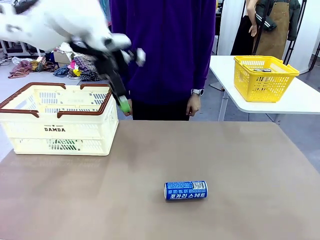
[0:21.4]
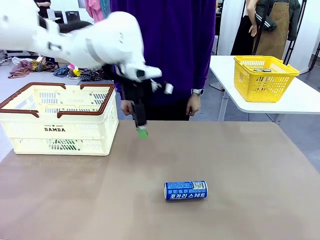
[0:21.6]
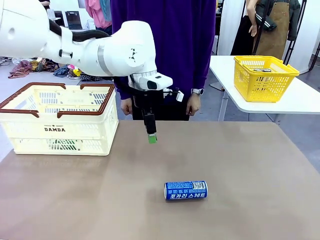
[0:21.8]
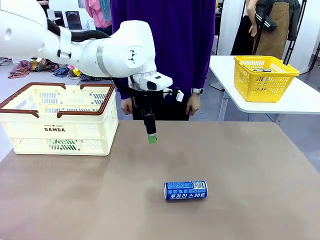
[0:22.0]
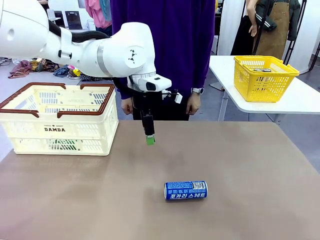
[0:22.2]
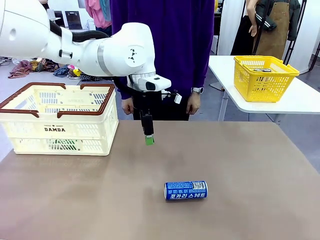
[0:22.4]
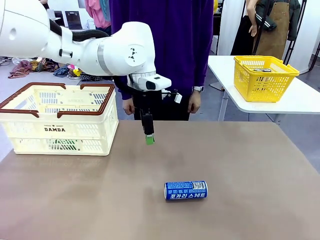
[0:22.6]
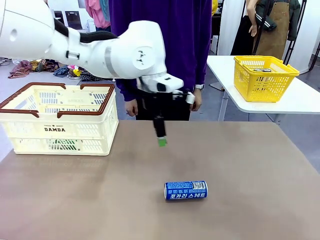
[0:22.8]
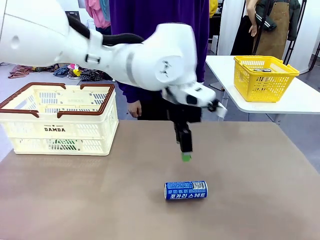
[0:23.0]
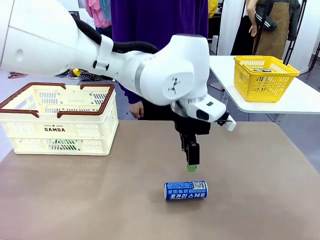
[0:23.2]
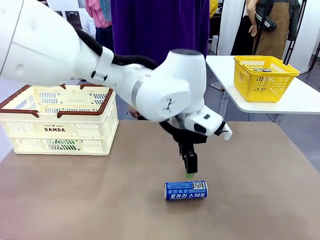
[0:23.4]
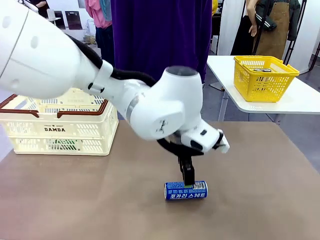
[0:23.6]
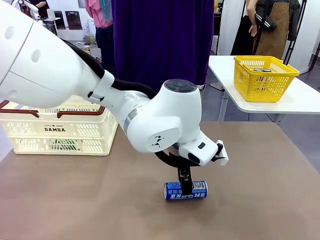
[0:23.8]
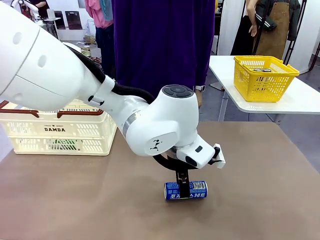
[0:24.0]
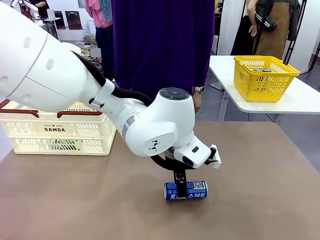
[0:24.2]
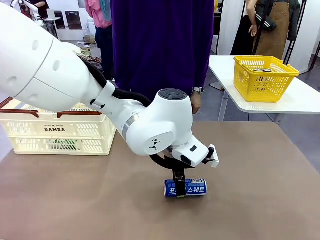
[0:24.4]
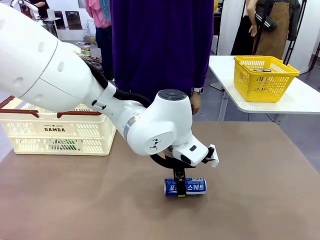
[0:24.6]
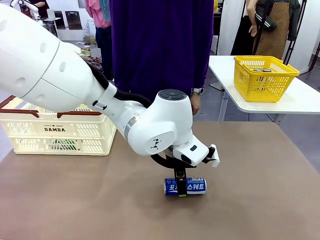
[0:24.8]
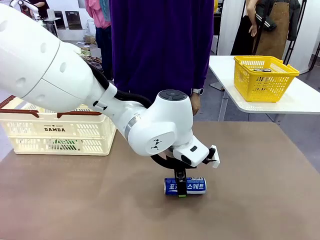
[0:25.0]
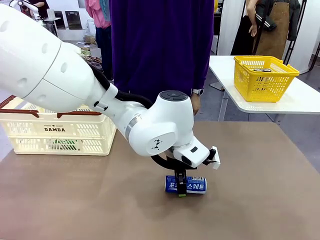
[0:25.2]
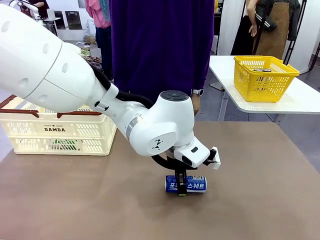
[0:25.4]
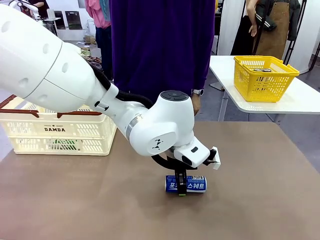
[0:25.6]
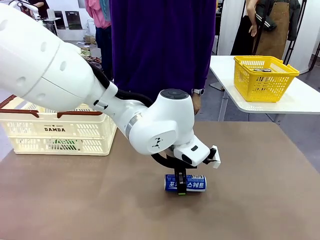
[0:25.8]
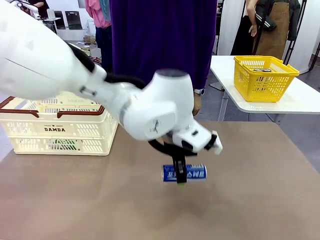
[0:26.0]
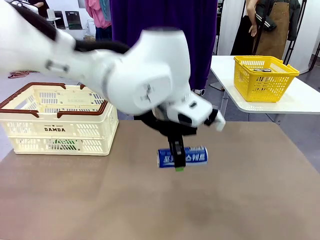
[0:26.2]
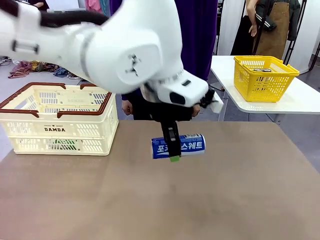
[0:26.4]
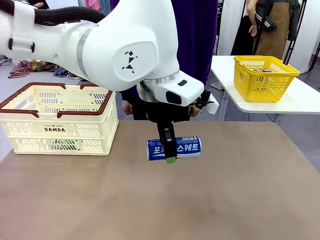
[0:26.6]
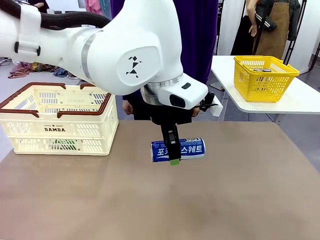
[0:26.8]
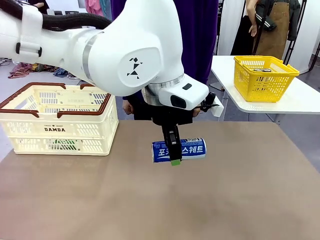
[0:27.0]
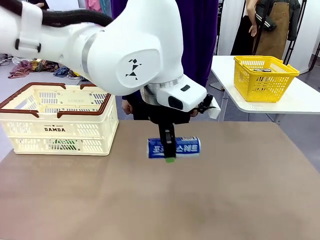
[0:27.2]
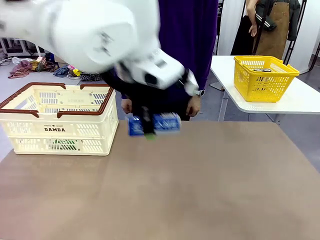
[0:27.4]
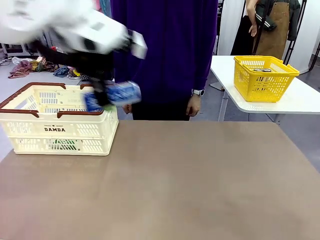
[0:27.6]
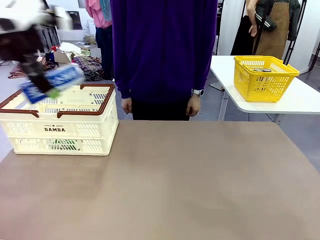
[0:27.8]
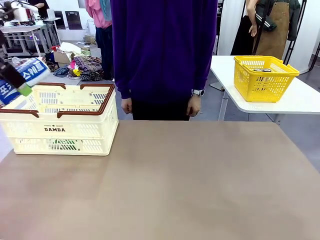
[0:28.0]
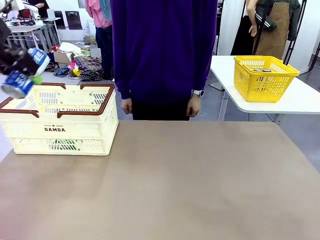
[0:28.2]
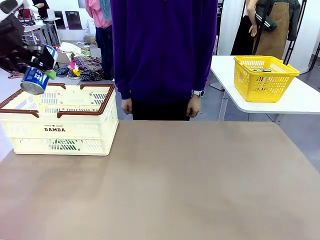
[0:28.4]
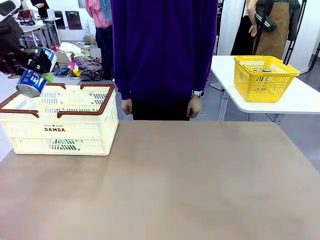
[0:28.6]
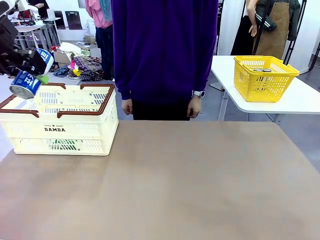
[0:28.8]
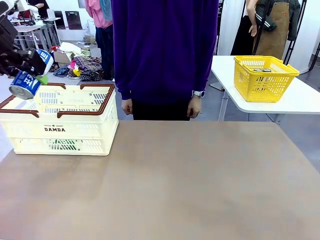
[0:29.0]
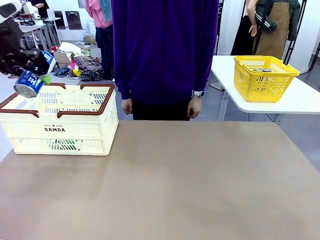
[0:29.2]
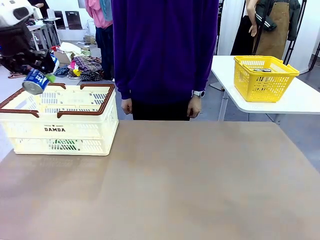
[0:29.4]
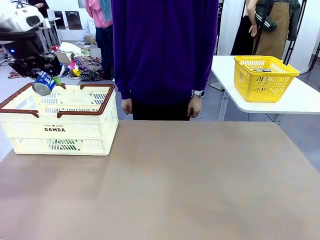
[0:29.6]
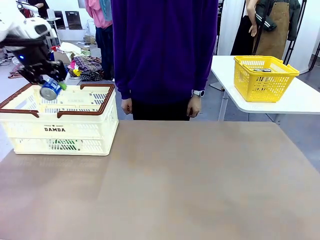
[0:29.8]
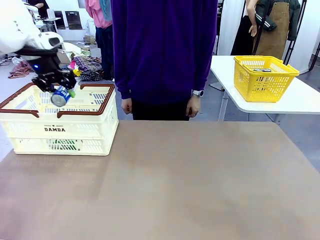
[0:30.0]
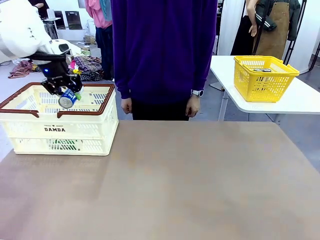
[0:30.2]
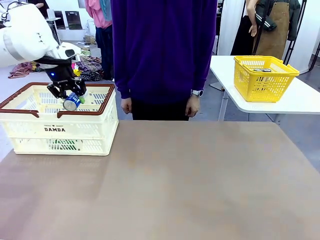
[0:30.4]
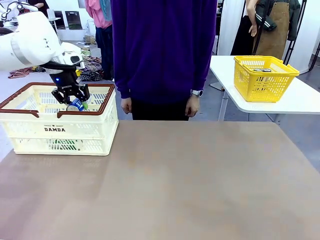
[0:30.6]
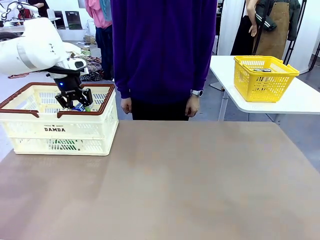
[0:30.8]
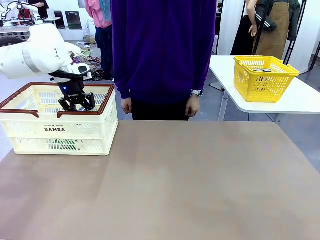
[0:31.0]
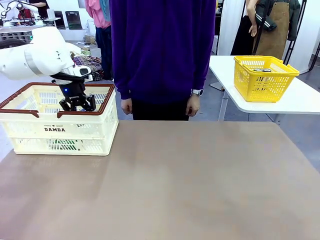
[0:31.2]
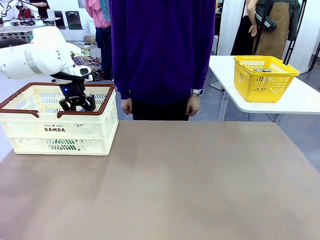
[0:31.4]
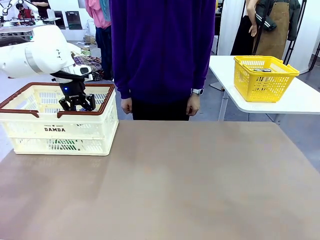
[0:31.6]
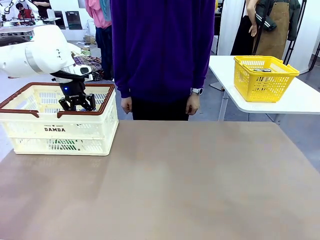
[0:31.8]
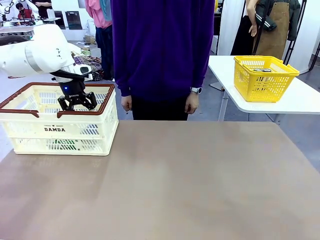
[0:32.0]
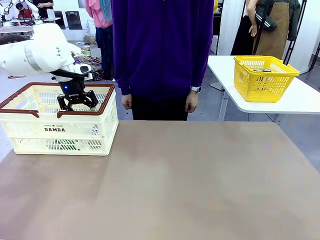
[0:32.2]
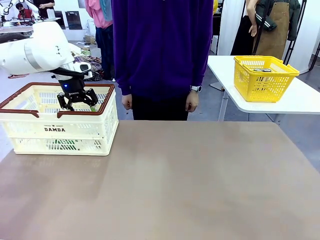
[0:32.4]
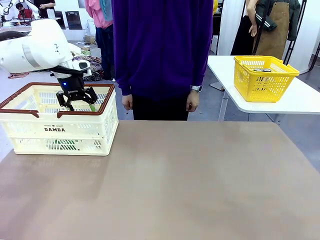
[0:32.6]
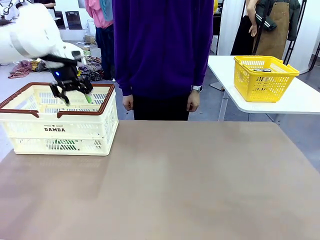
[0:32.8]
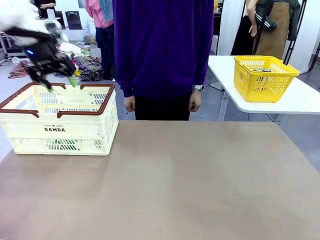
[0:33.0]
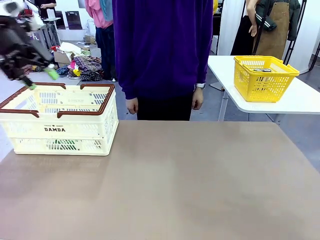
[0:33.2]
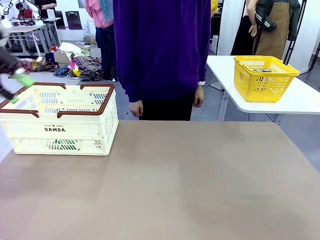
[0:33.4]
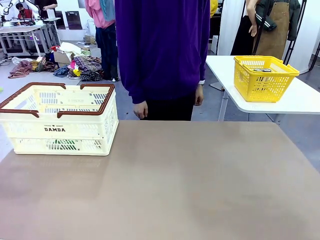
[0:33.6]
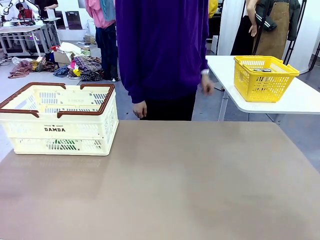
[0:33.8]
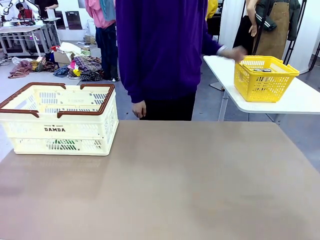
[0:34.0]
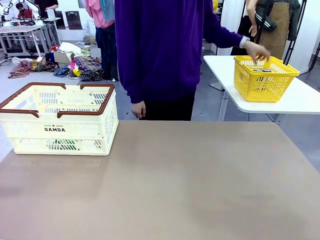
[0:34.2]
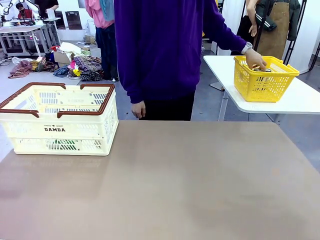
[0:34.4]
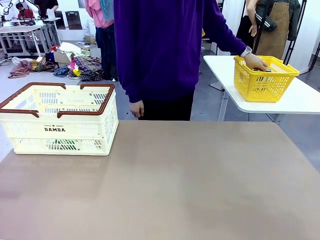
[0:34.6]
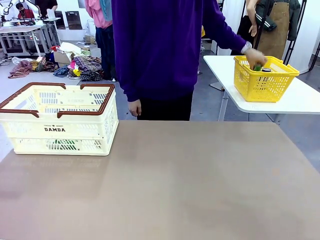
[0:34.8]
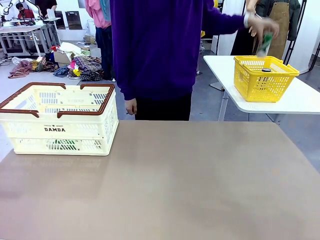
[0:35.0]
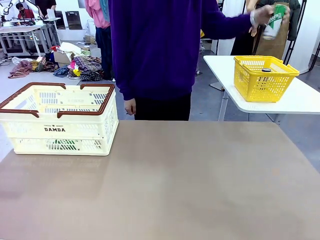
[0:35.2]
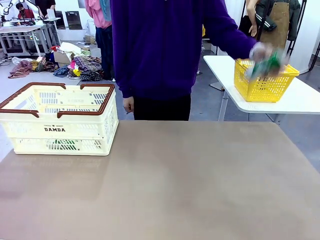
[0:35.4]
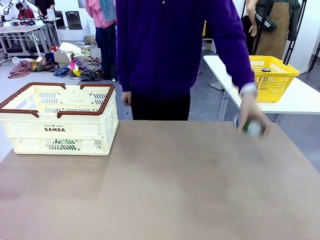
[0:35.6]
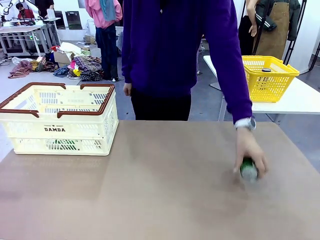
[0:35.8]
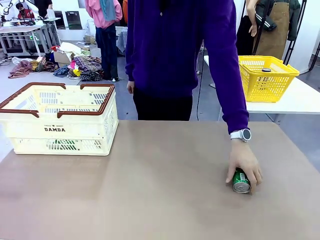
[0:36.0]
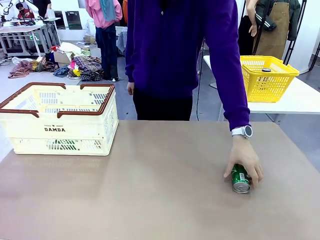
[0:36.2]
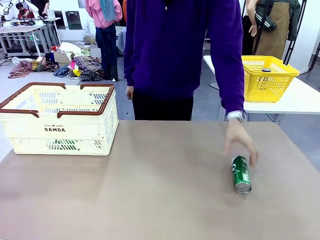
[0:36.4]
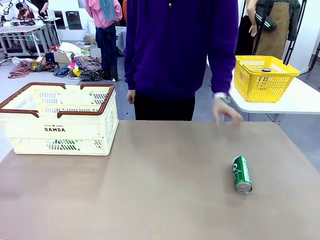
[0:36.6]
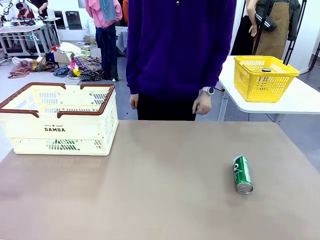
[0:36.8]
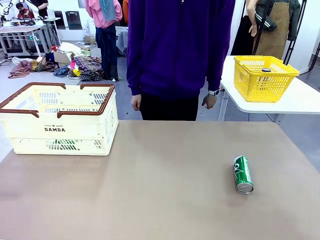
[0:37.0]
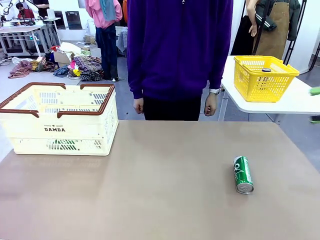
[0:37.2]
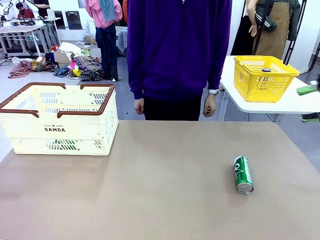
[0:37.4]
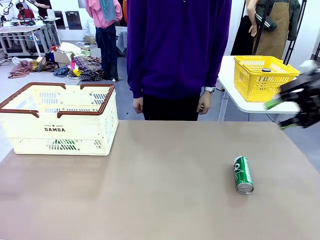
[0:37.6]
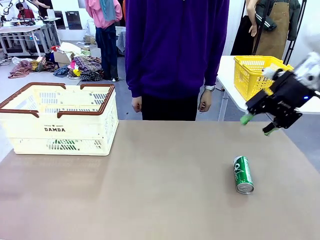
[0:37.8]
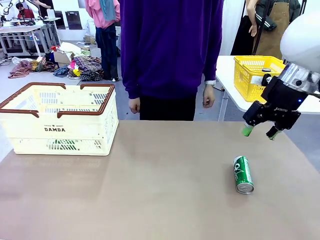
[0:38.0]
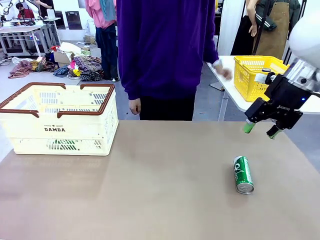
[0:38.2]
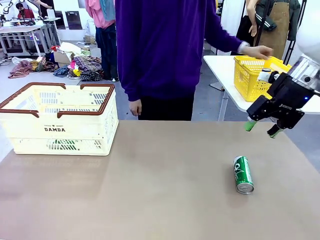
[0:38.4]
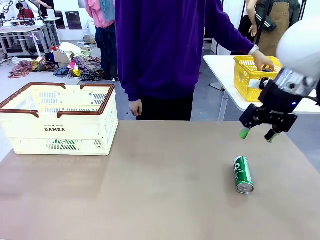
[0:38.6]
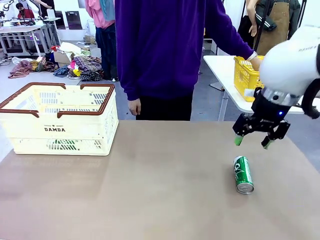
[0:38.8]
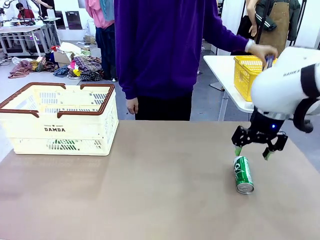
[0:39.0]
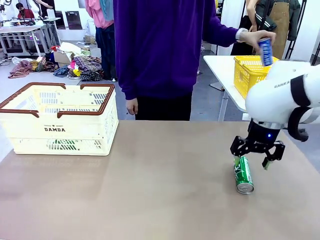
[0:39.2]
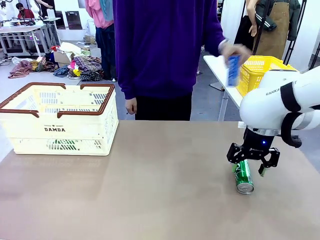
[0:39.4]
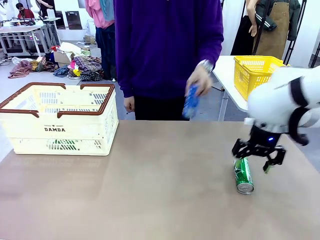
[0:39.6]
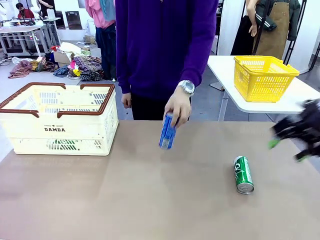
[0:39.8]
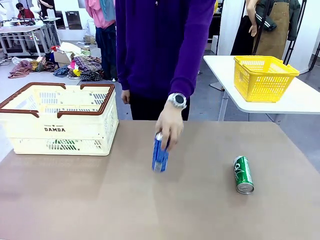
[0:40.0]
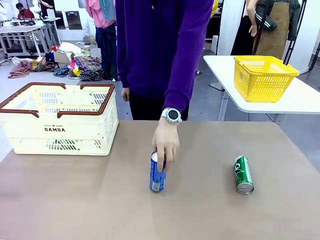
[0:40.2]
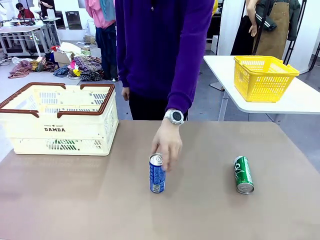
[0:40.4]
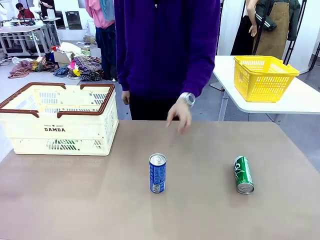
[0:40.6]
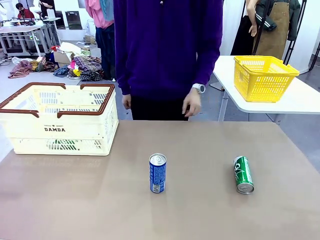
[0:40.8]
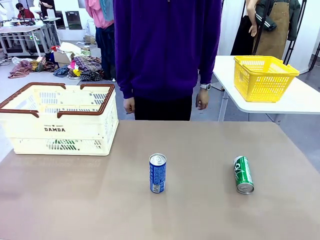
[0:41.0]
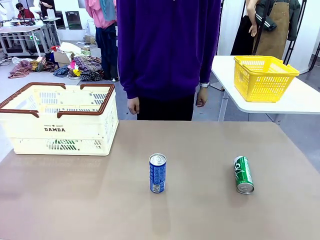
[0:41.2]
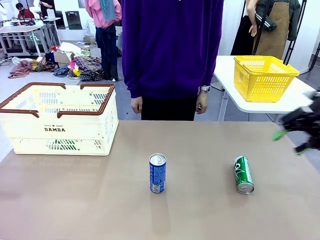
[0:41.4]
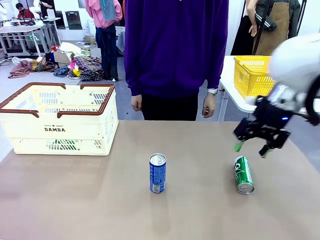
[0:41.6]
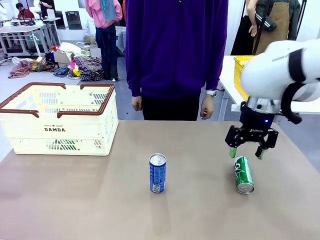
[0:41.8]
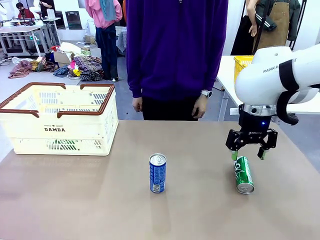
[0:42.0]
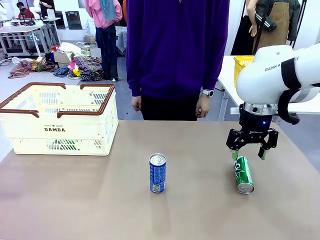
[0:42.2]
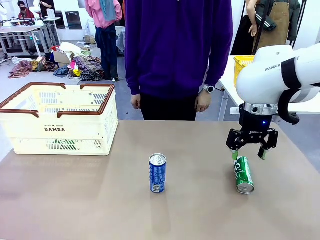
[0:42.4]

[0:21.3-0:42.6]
Task: Place the drinks into the Shopping basket.
Robot: Pick up one drink and place it into the Shopping basket.
